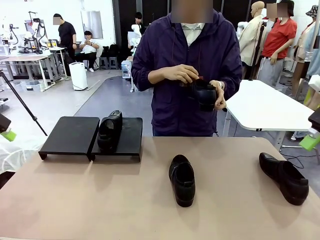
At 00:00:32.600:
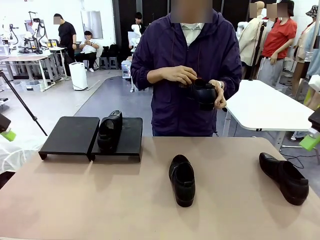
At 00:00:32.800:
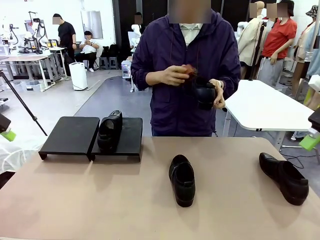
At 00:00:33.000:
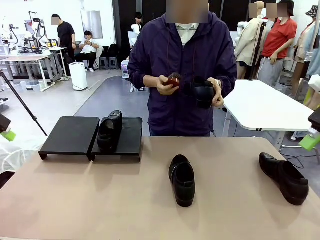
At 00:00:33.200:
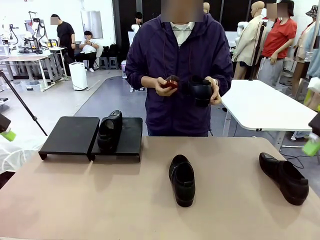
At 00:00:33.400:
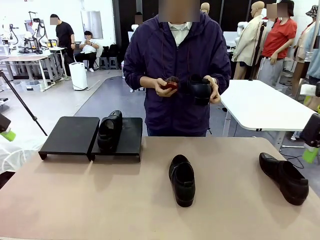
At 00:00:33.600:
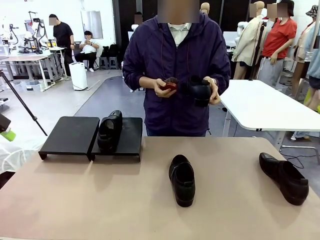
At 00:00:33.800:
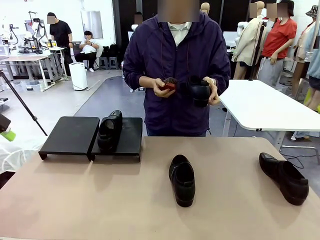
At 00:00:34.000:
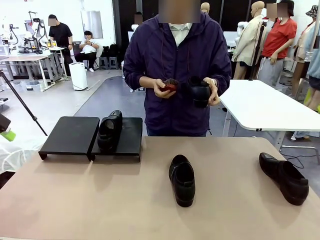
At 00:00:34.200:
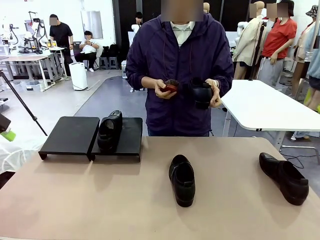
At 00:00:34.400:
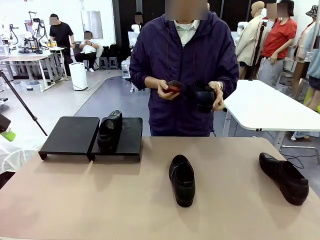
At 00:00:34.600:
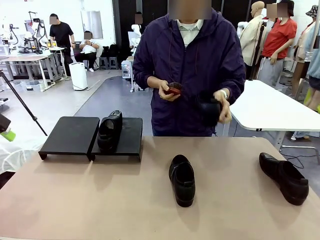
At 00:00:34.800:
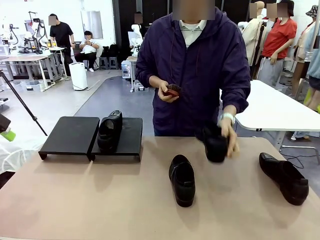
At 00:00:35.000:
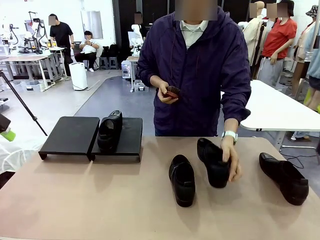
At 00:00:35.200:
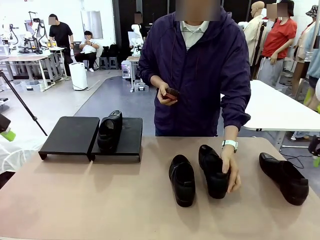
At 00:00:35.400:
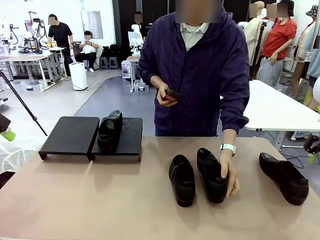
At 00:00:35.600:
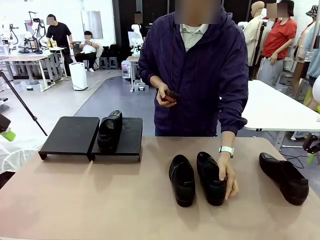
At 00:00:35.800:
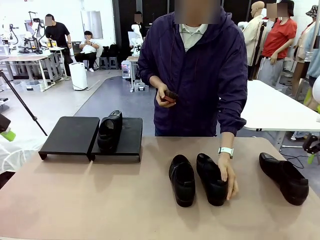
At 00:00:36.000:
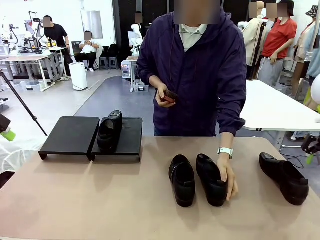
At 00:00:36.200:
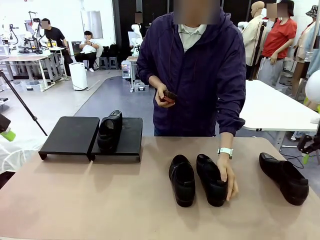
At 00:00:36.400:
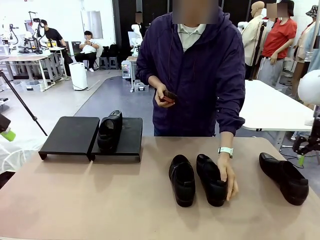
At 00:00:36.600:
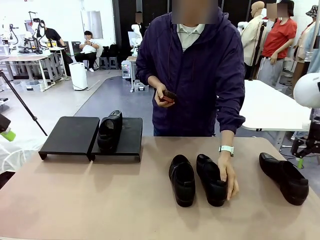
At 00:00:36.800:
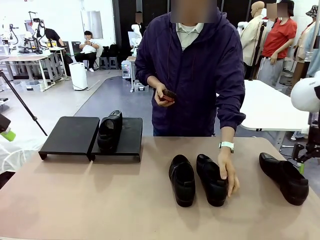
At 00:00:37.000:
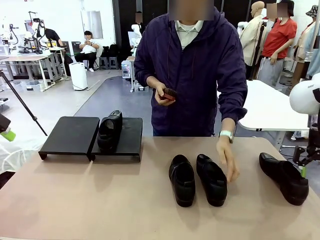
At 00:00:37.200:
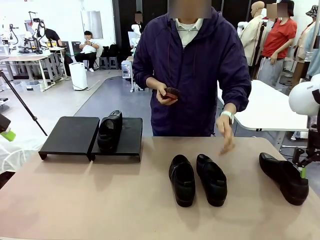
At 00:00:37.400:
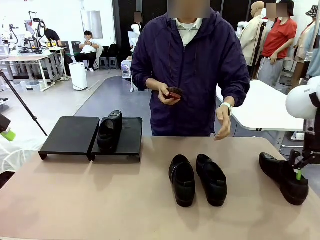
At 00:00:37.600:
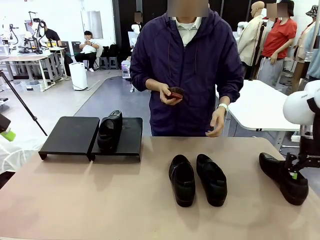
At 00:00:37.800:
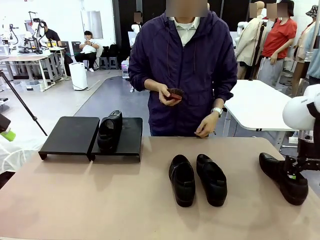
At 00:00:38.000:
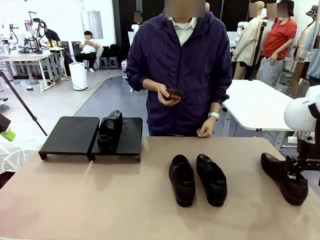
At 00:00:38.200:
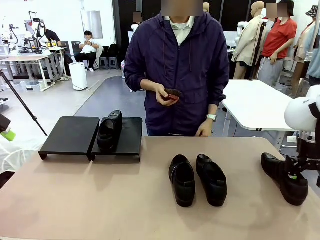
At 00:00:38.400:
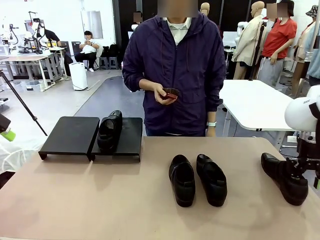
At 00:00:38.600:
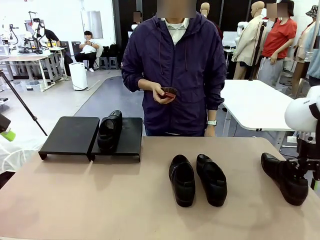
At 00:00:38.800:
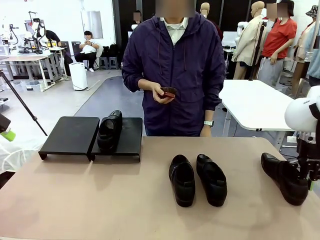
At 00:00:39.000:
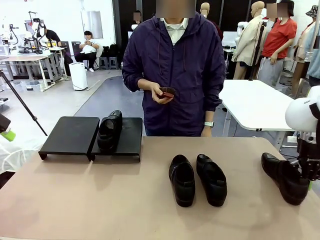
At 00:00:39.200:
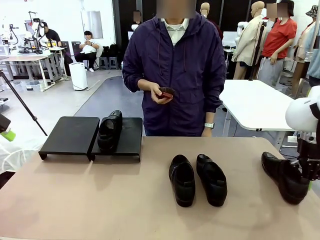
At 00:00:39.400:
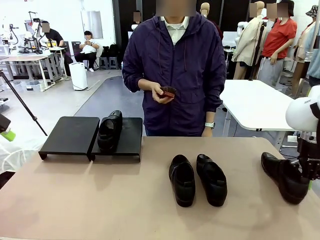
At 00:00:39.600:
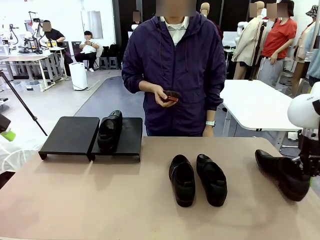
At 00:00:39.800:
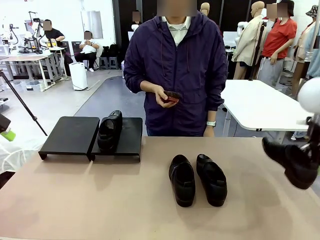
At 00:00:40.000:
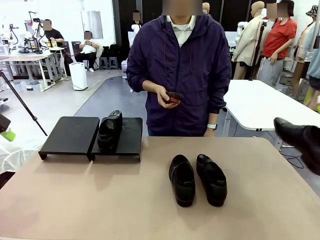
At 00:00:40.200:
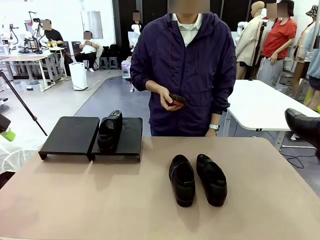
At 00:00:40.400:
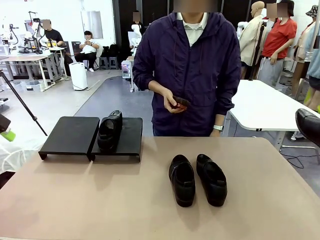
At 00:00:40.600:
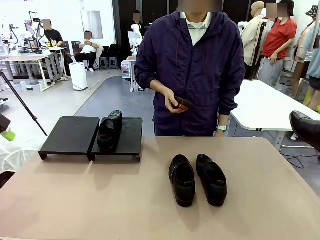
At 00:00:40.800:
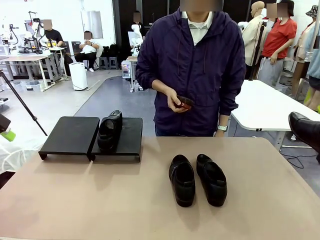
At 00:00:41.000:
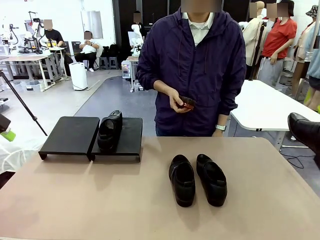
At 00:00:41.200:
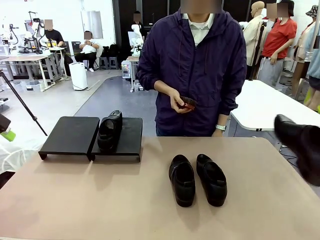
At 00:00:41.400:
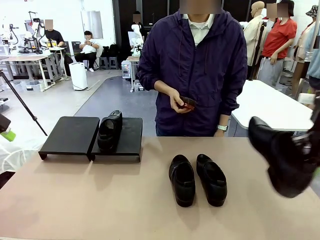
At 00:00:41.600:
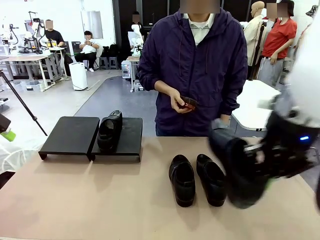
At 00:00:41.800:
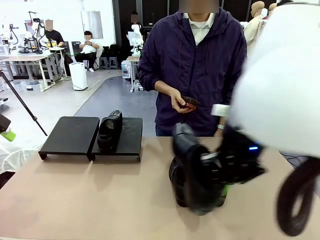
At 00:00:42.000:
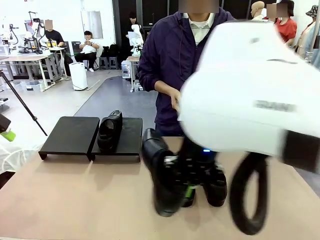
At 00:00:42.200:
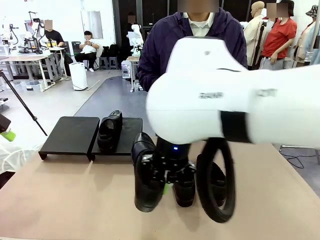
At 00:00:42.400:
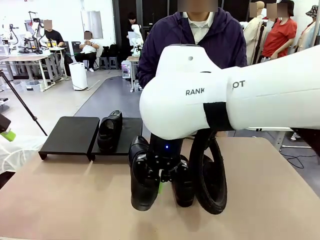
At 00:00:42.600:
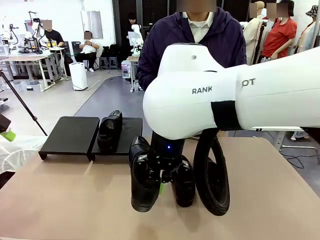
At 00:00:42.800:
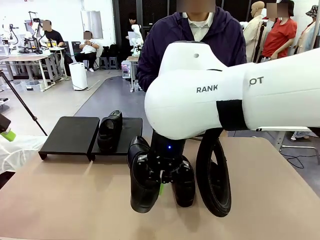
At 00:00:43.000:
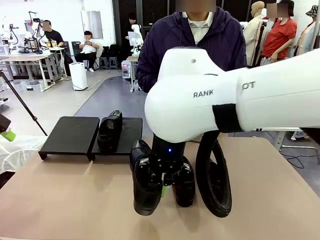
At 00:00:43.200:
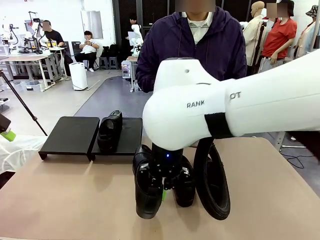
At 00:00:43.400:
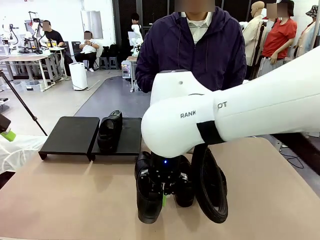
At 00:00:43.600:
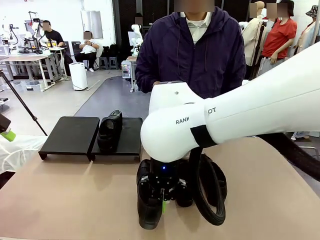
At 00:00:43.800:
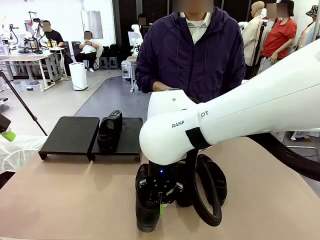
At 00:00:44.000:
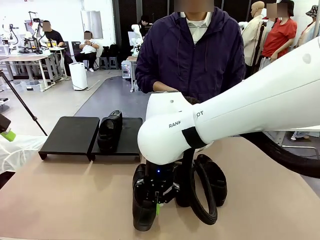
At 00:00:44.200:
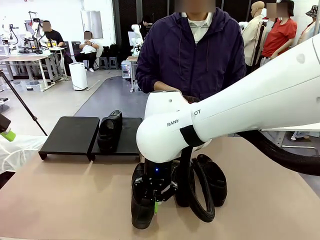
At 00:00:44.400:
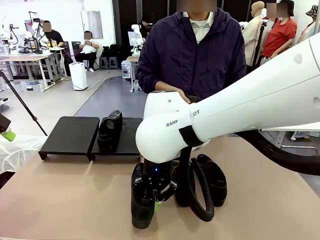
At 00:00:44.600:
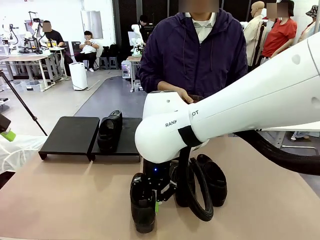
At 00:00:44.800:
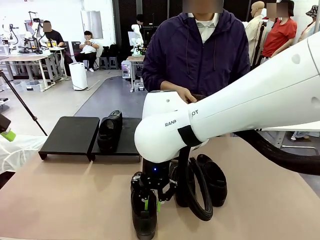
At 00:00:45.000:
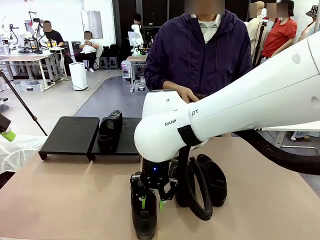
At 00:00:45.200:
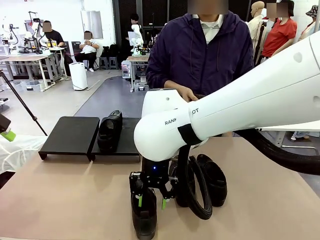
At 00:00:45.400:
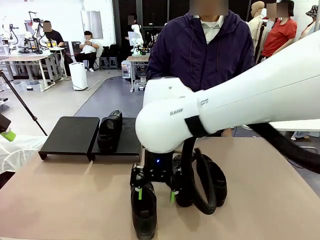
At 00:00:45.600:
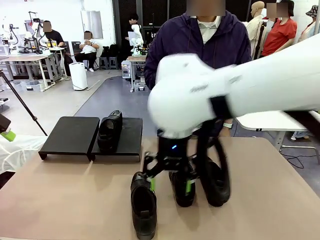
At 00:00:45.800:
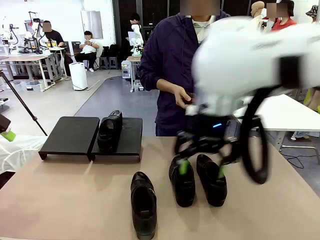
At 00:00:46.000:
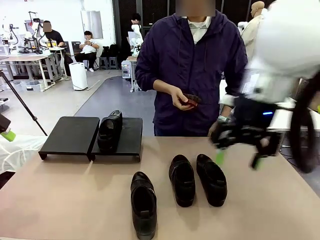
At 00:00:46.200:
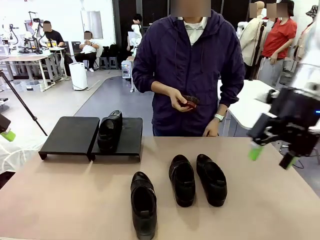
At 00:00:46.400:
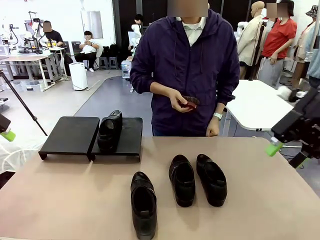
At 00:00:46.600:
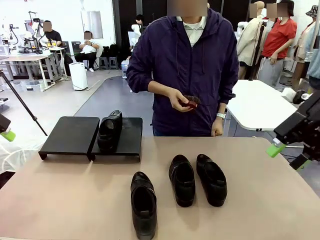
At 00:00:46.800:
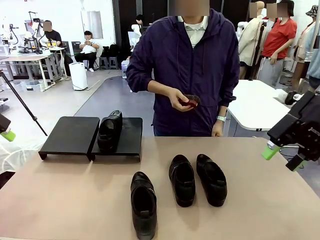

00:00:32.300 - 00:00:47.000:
Task: Organize the shoes by placing them on the stand.
Robot: Pick up one Shoe and place it in the middle of the table.

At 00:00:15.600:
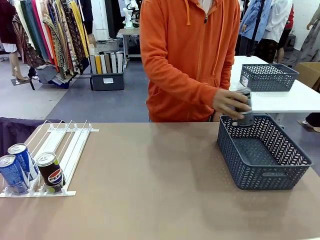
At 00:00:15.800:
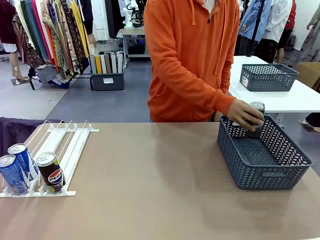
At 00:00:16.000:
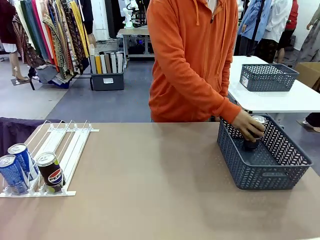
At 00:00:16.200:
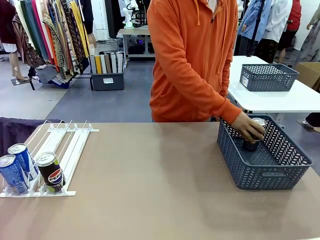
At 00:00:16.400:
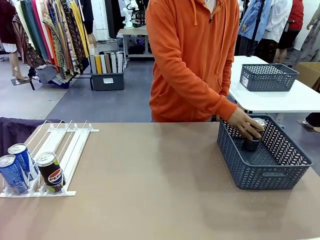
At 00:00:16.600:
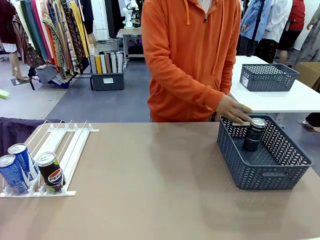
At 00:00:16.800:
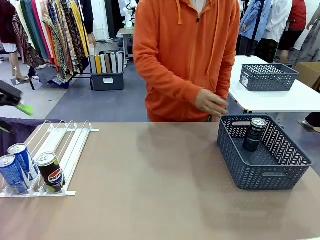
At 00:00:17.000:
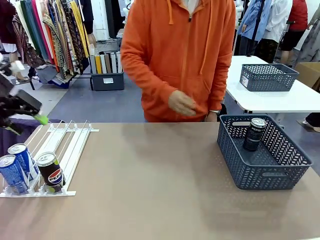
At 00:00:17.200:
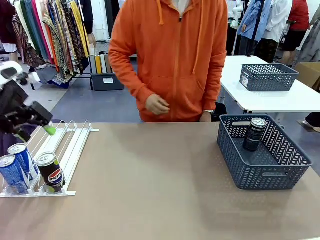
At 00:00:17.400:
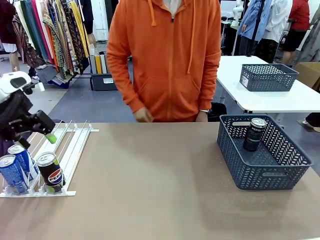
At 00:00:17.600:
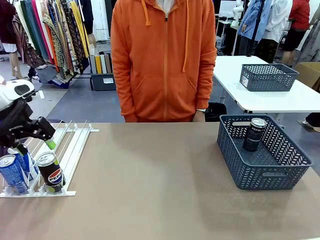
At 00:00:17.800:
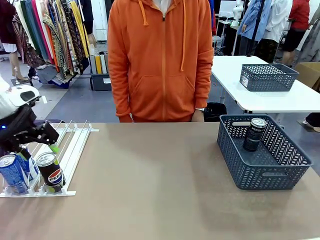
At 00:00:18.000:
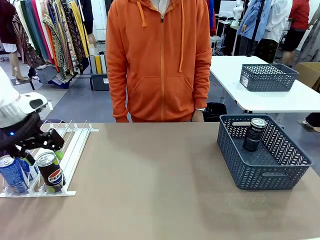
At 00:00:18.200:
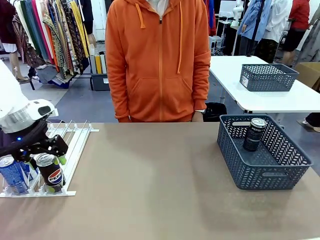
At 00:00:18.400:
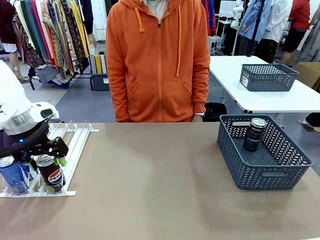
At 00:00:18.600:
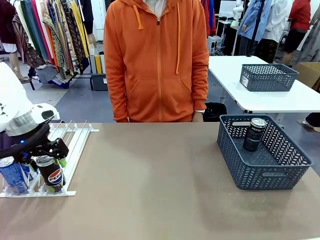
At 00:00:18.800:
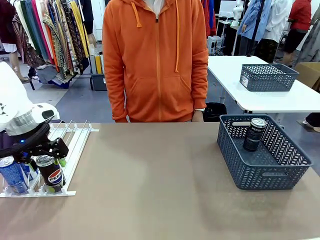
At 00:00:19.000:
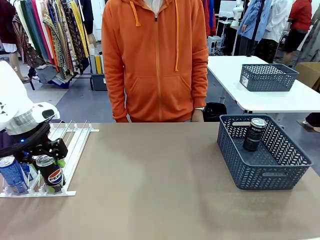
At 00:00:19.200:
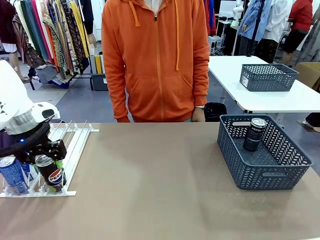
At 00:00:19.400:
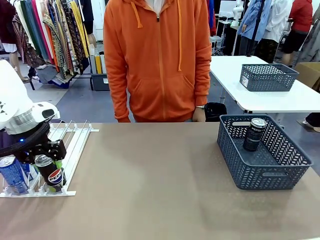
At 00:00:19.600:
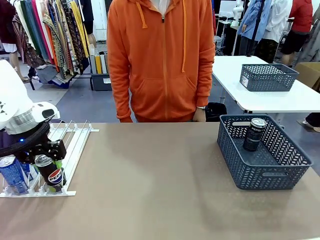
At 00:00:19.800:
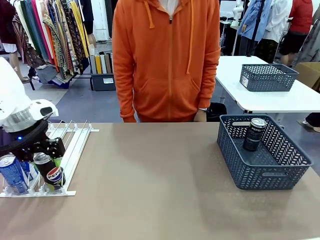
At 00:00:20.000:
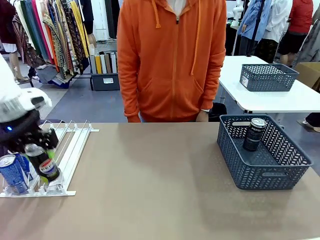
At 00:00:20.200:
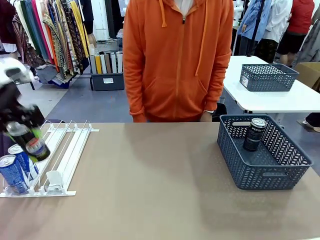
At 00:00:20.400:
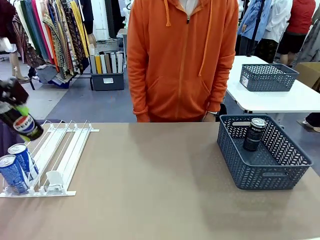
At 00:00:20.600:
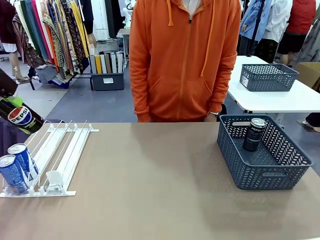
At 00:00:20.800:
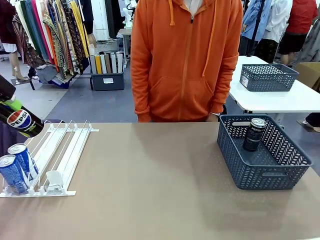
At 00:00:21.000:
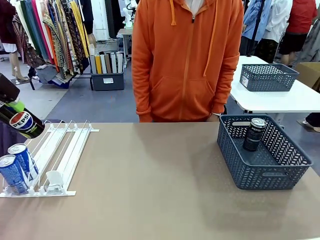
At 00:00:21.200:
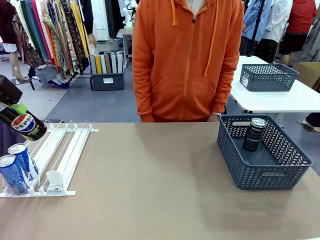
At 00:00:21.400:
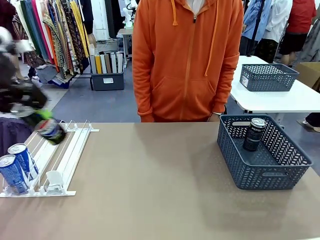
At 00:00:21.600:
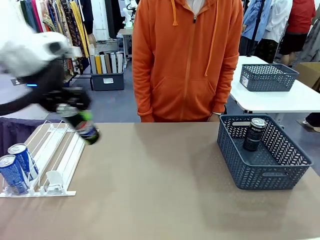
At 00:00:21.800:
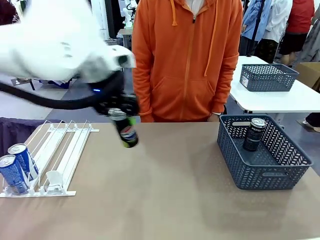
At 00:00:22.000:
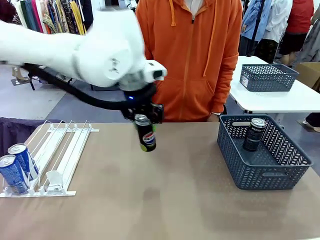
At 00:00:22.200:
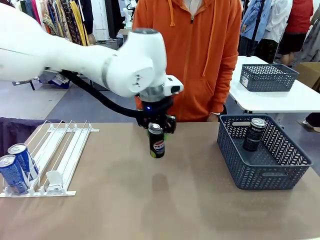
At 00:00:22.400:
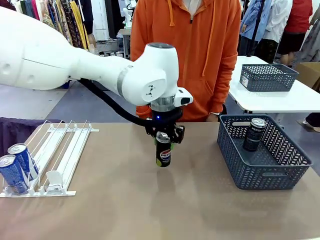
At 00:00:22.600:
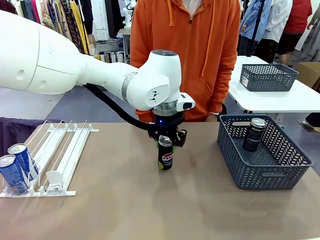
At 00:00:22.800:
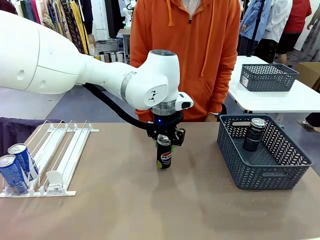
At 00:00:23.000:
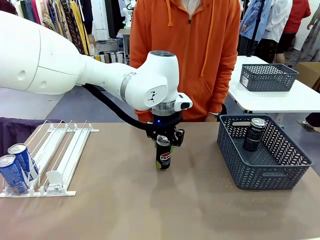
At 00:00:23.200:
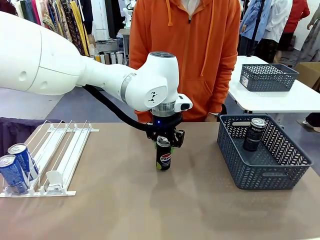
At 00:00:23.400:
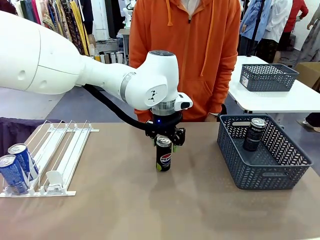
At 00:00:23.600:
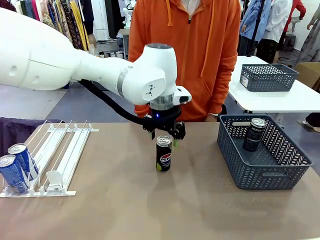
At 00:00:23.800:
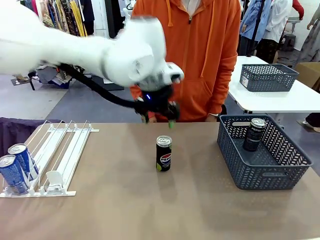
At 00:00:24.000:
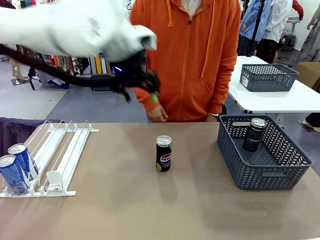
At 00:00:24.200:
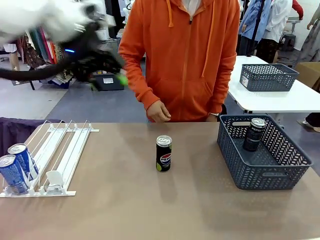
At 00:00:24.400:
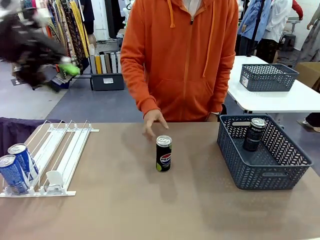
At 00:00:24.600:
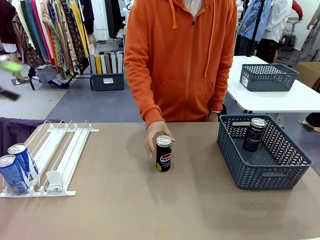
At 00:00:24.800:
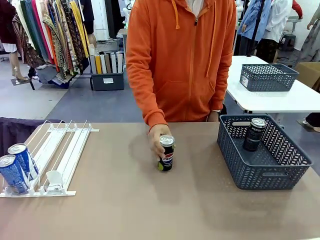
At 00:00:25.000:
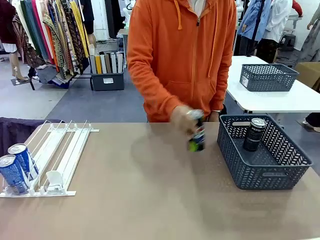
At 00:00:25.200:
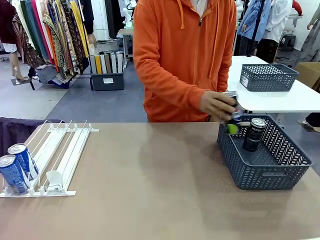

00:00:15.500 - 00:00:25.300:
Task: Retrieve and store the cans from the dispenser.
Robot: Pick up the last remaining can from one row of the Automatic Can Dispenser and place it in the middle of the table.
